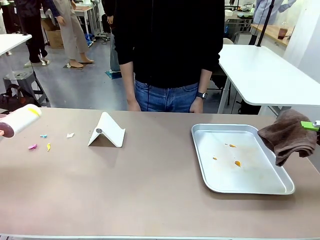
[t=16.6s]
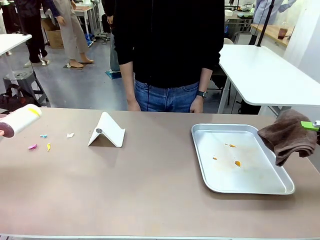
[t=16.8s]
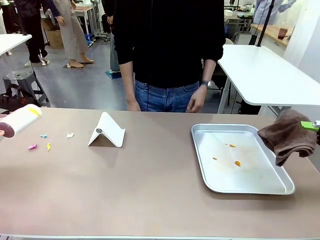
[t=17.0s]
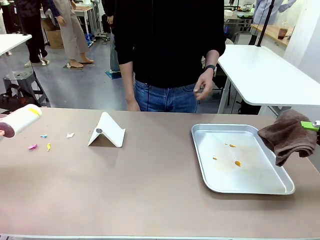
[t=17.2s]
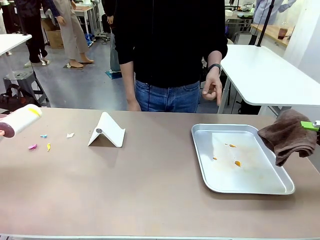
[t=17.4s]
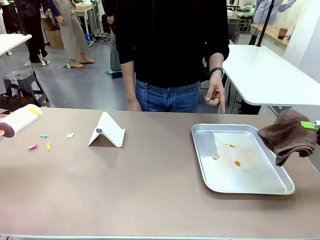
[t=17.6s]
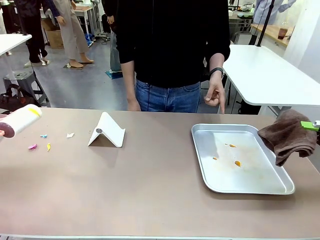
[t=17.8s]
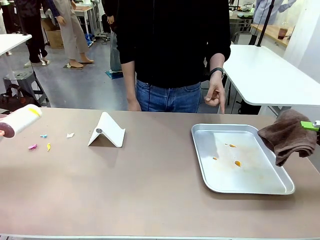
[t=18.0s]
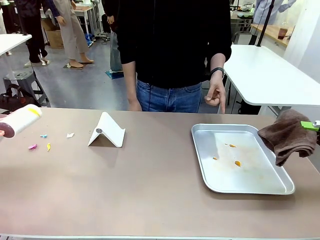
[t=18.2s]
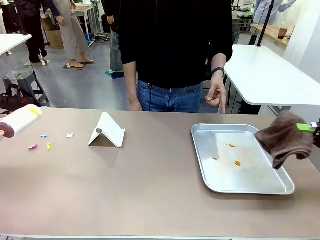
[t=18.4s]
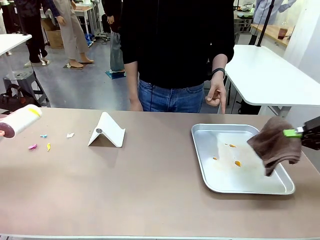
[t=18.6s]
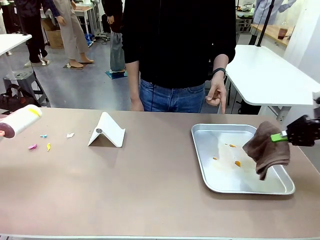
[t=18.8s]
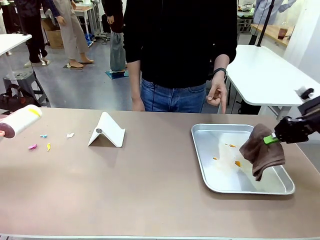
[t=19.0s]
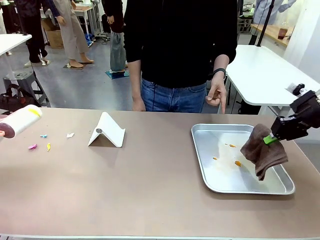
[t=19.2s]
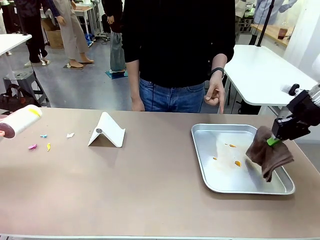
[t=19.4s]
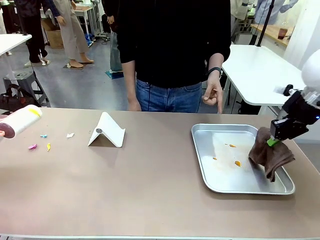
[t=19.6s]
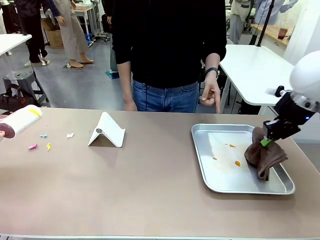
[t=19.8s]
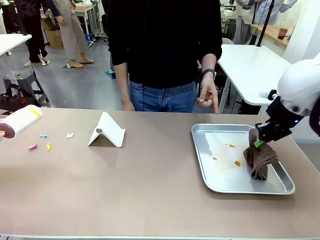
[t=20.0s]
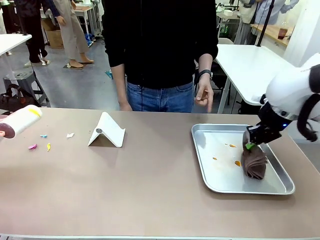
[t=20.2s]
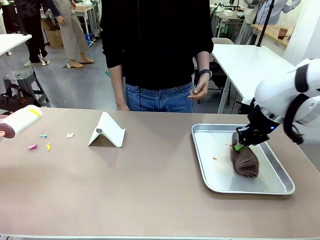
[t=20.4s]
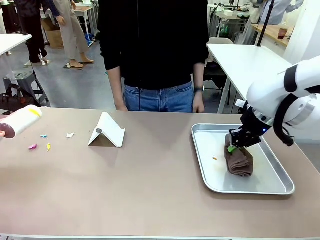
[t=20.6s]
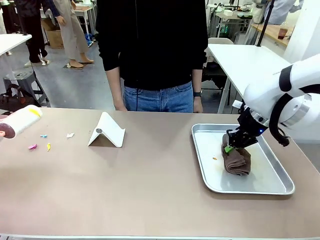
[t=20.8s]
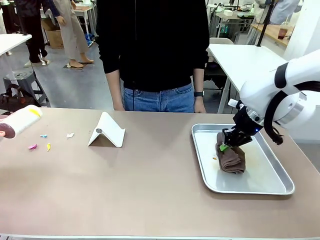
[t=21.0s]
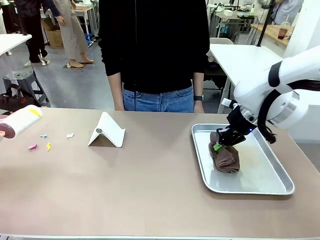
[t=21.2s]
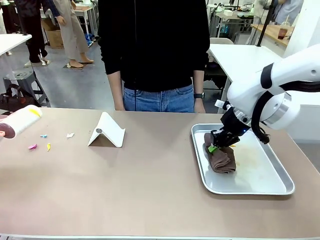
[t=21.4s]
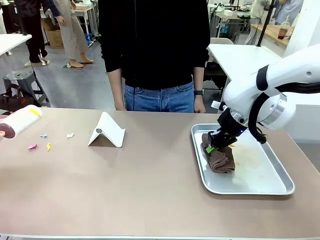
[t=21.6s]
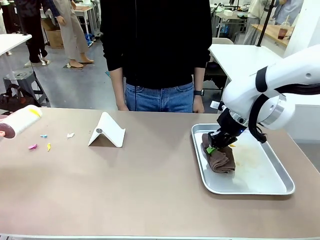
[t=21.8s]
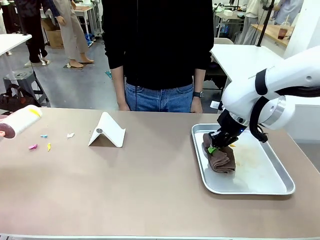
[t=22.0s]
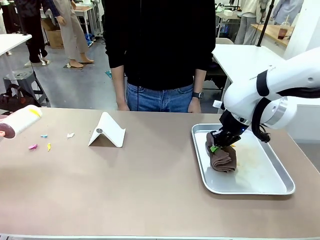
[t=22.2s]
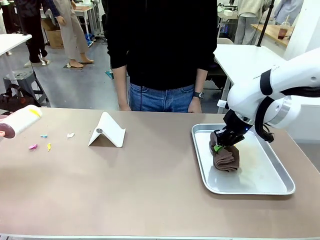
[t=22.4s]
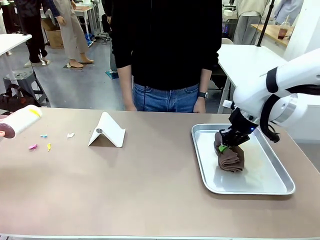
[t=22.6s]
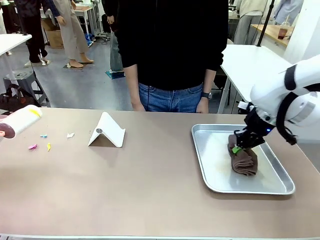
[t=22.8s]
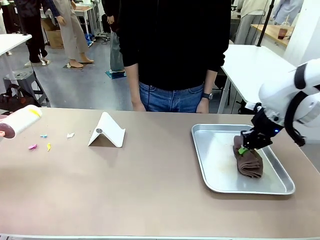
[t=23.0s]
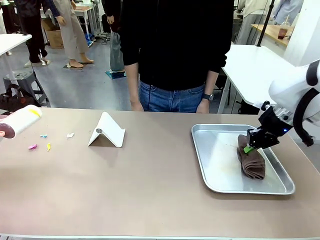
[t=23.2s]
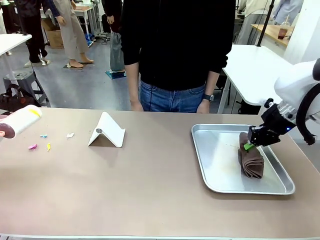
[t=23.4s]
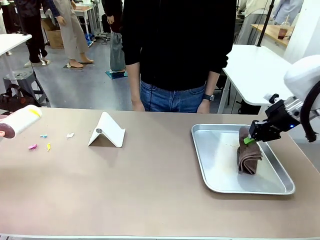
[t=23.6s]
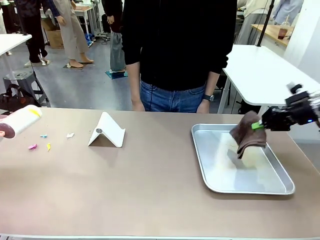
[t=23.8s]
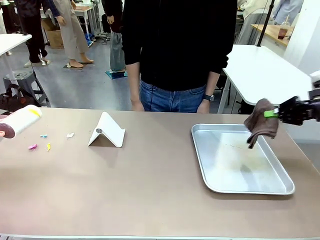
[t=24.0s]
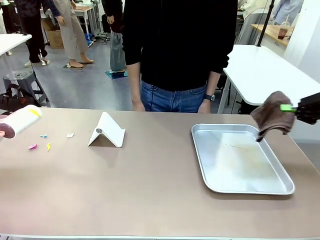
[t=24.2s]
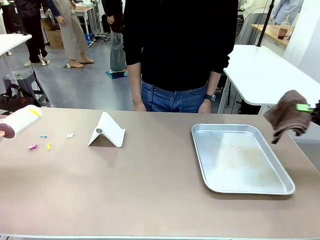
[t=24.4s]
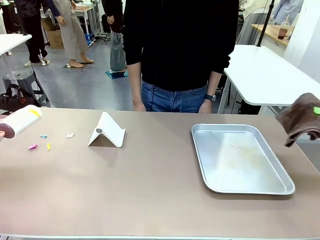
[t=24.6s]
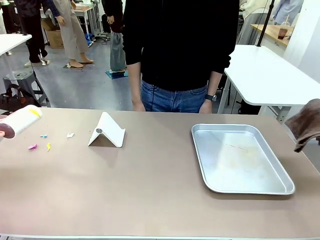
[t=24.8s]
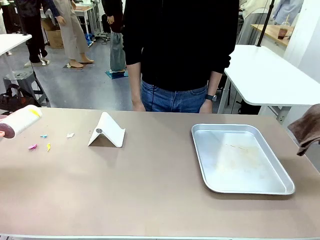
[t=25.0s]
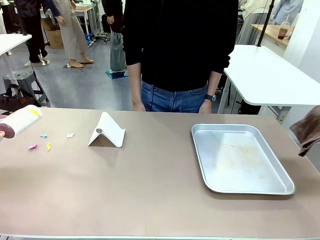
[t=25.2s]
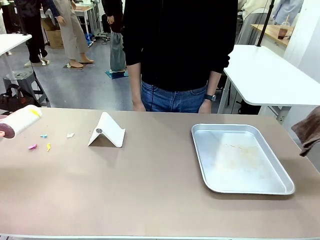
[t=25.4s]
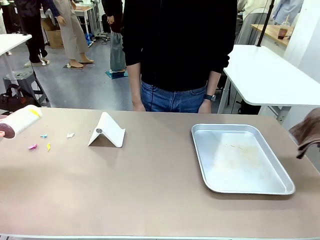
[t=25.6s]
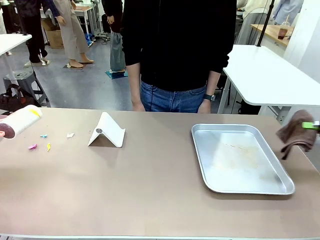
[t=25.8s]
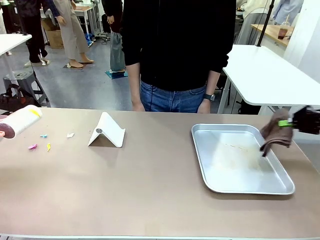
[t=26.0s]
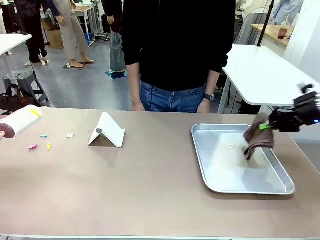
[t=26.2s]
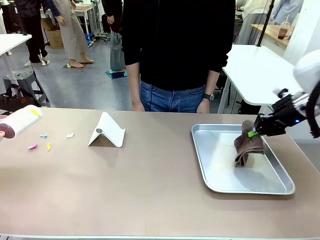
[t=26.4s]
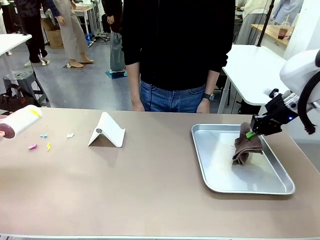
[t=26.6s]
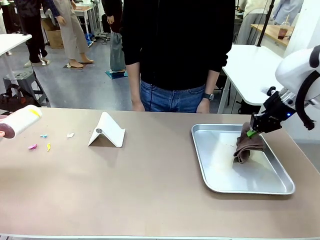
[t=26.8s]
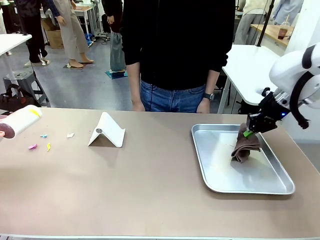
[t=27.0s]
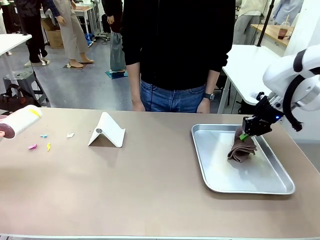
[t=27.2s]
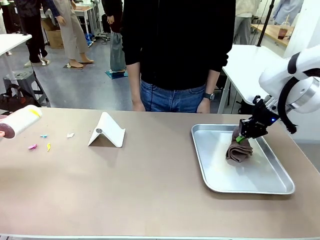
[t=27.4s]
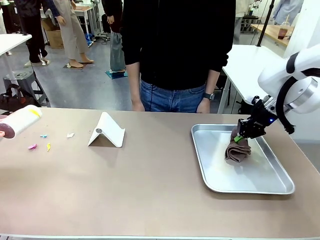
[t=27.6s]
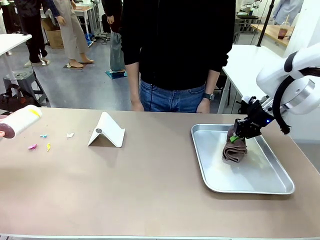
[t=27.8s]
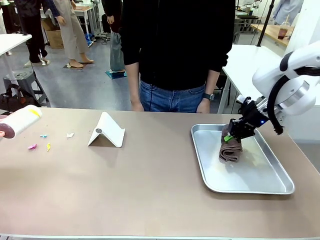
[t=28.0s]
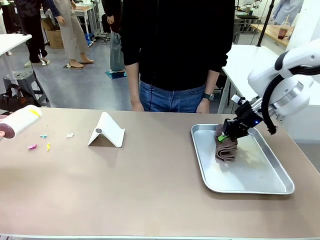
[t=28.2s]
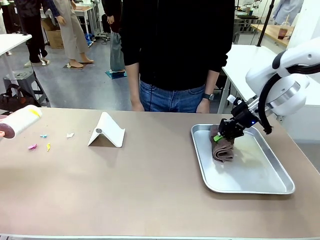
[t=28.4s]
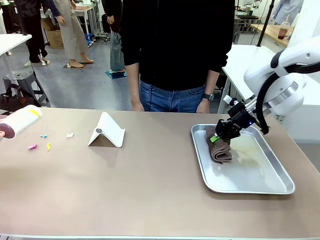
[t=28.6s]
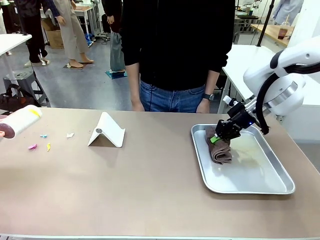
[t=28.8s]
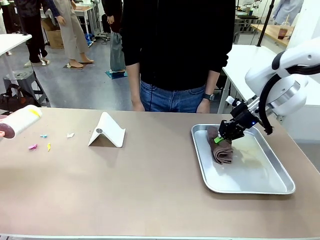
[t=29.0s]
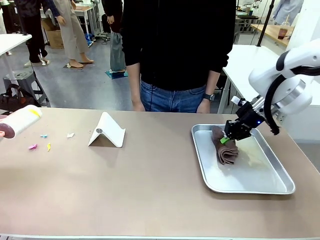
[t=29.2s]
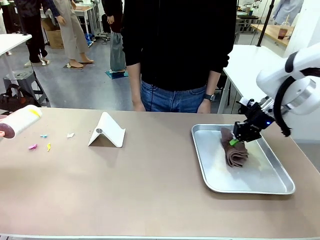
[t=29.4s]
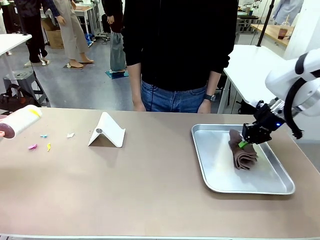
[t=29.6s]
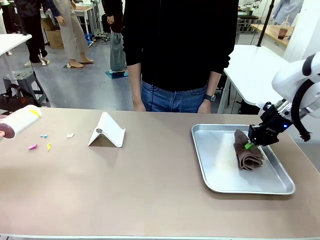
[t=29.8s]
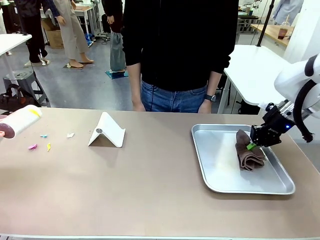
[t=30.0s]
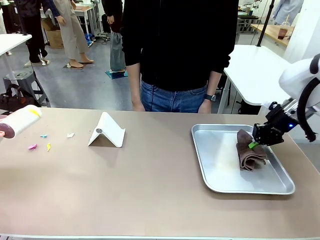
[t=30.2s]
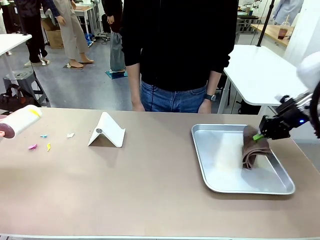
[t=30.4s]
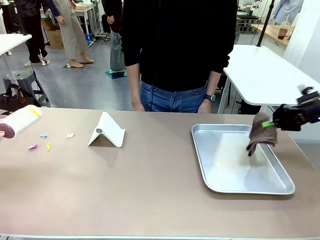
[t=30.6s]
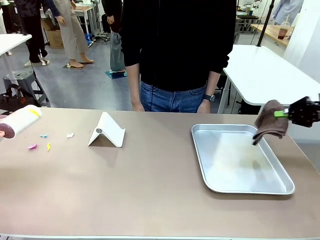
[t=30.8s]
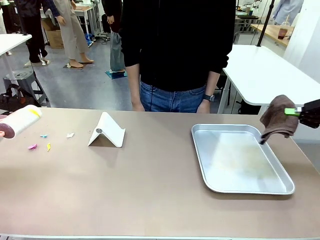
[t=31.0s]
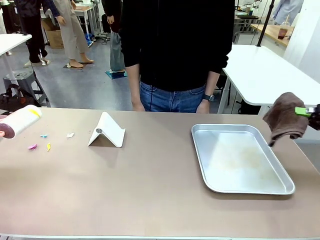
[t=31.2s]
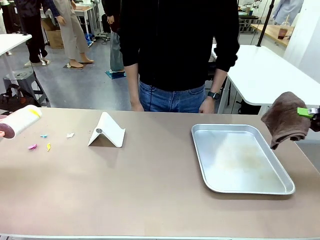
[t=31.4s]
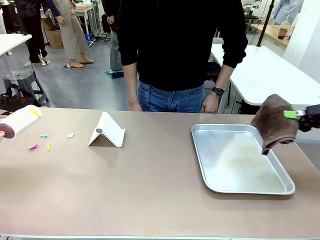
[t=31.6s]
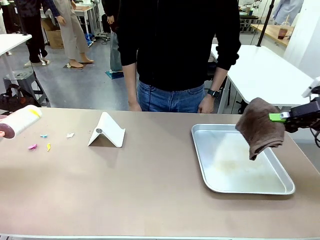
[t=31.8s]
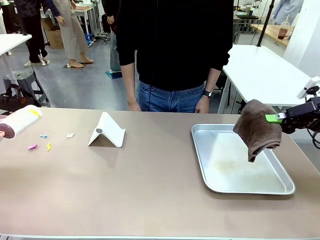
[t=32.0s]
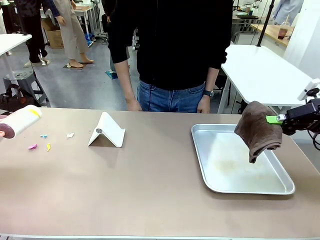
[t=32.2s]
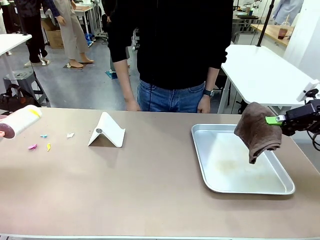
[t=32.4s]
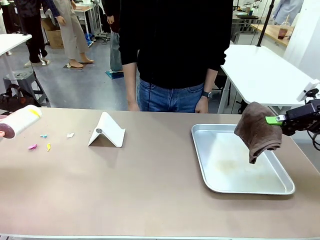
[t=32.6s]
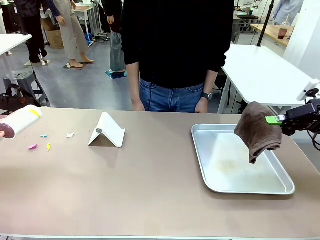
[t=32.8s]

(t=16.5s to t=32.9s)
Task: Clean the surface of the table.
Robot: If a person points to the right, clean the right side of the table with your right hand, and if they point to the left, clean the left side with your left hand.

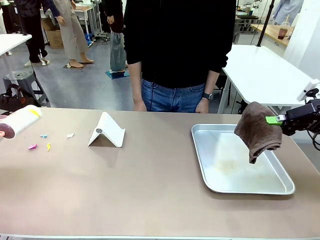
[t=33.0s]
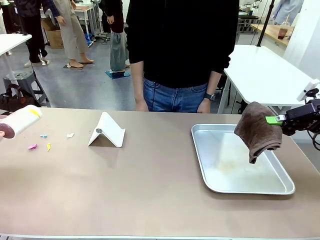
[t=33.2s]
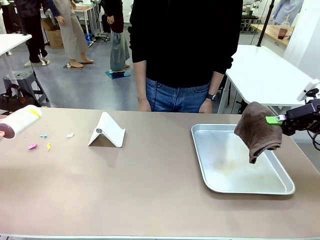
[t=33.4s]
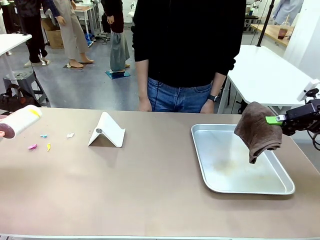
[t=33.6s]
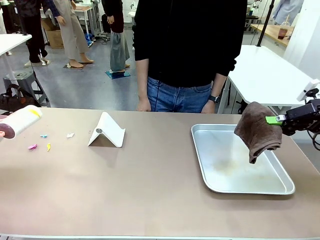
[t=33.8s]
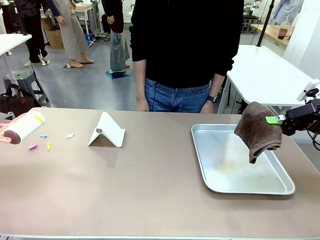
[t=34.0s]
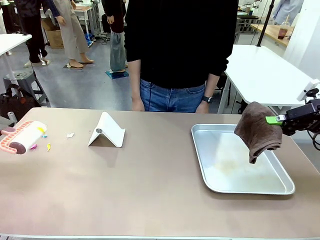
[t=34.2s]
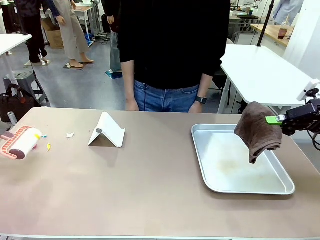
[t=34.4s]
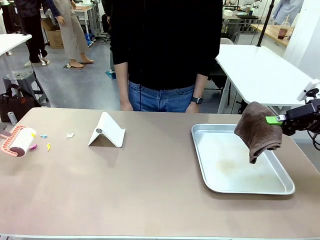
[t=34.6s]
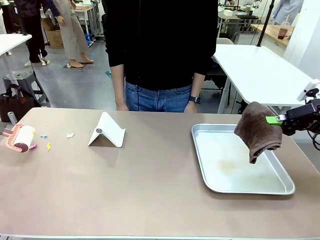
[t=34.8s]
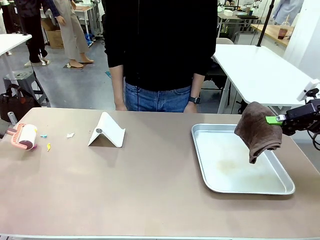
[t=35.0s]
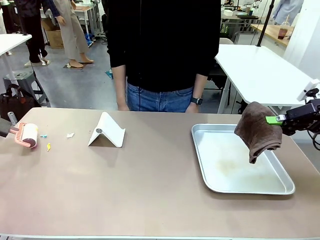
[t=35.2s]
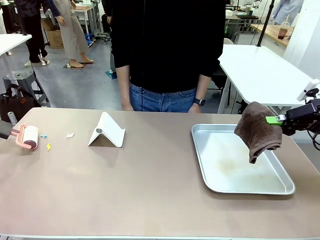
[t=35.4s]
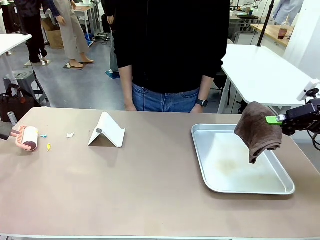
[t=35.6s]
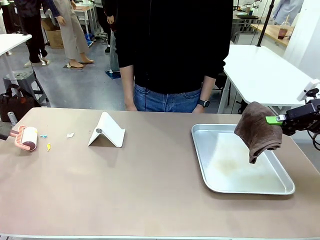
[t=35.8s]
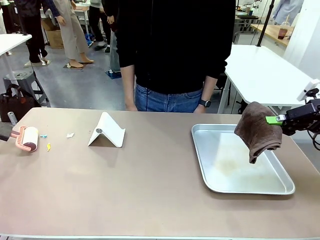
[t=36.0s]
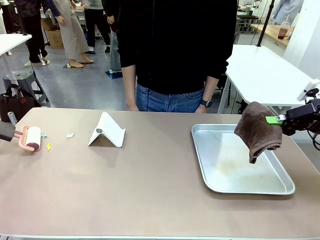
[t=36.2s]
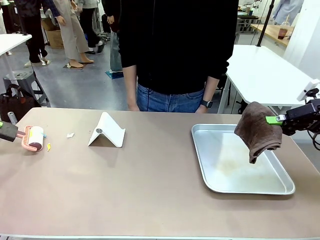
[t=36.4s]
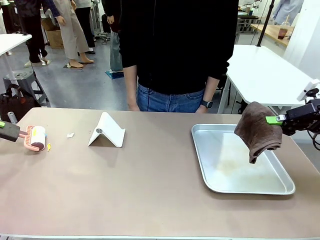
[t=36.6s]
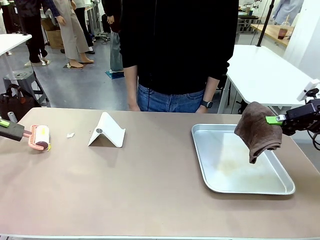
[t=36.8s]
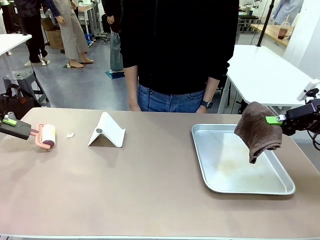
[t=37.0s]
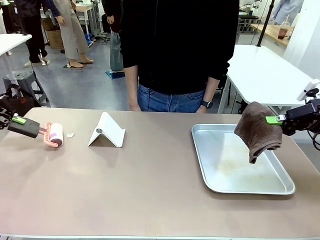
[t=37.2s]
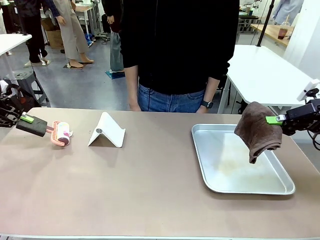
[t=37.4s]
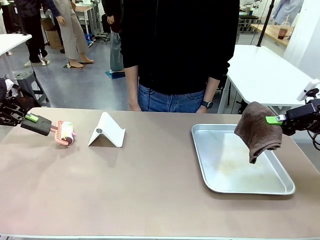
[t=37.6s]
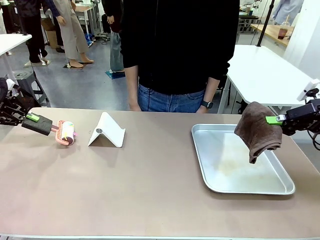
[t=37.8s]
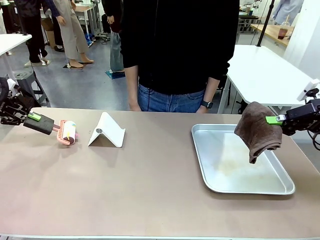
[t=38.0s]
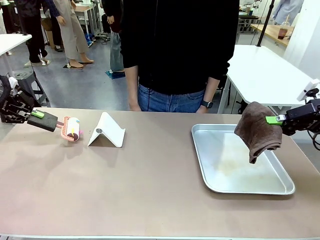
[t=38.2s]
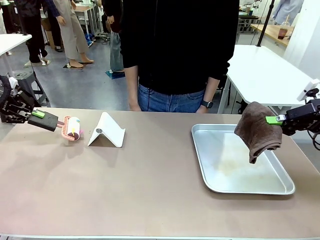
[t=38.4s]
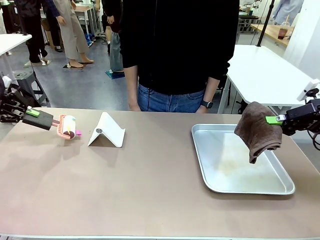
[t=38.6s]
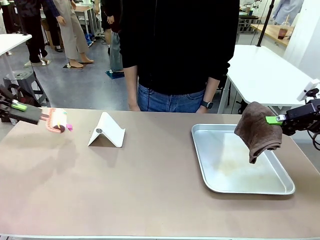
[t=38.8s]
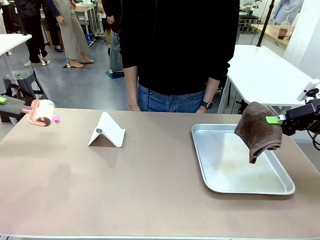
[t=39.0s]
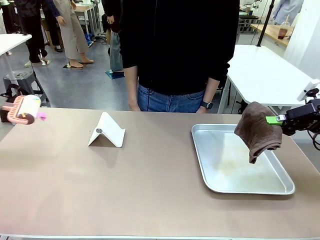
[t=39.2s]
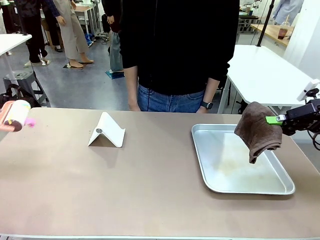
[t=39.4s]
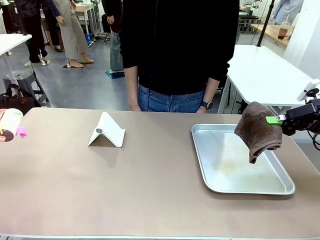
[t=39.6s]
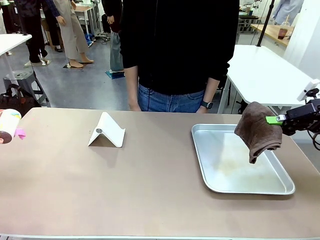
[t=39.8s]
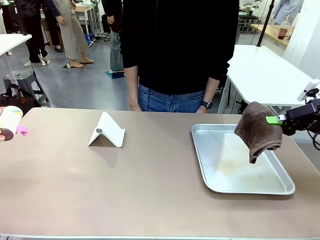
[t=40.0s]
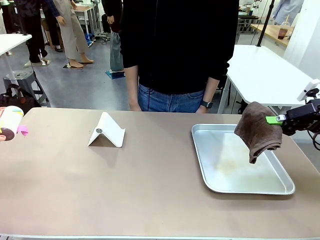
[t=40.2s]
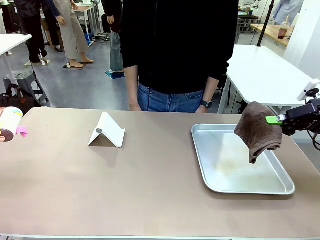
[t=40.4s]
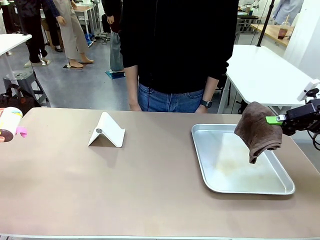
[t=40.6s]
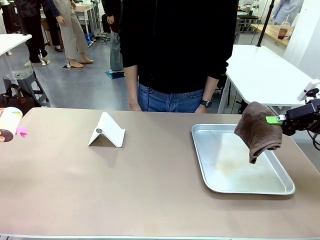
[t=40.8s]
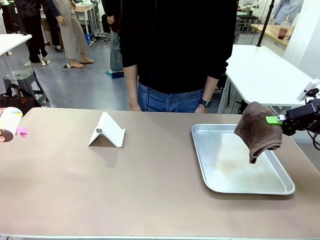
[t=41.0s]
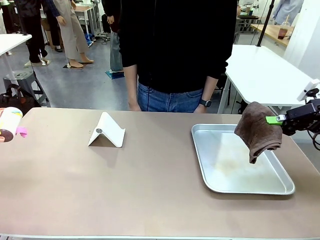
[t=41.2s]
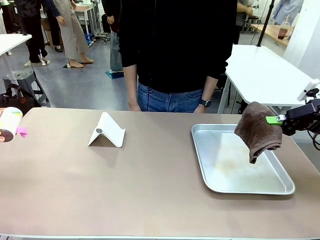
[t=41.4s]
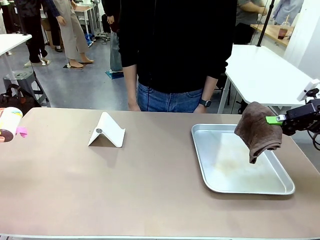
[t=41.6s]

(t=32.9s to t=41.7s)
Robot: Clean the area not pointed to by the person.
